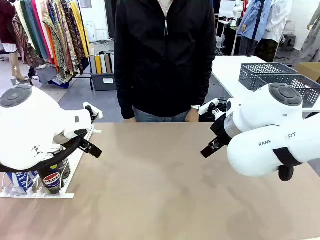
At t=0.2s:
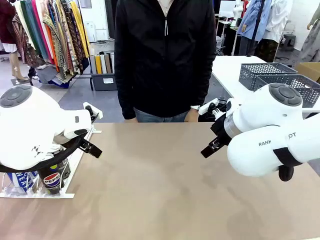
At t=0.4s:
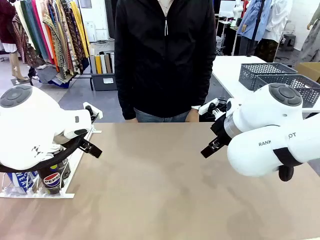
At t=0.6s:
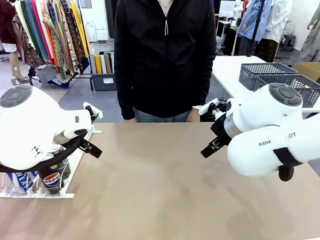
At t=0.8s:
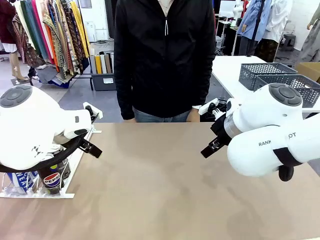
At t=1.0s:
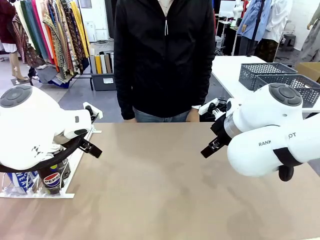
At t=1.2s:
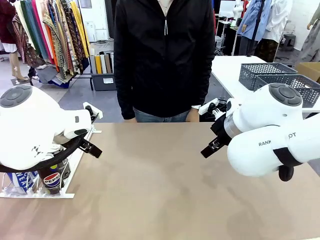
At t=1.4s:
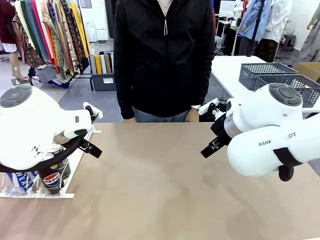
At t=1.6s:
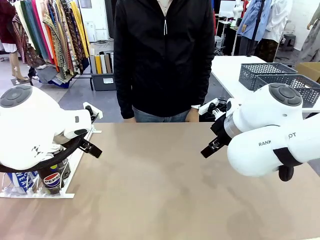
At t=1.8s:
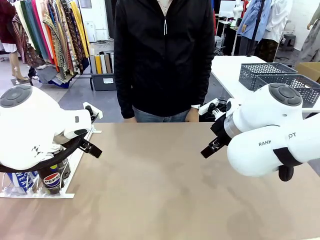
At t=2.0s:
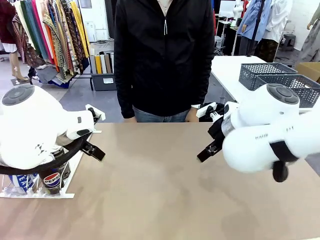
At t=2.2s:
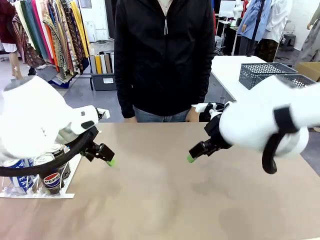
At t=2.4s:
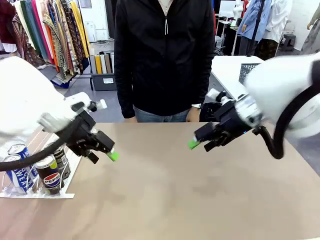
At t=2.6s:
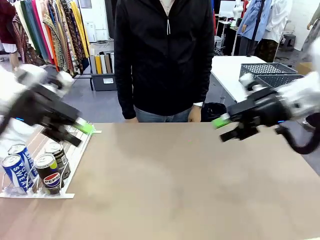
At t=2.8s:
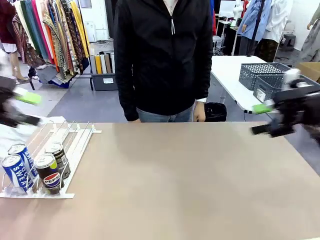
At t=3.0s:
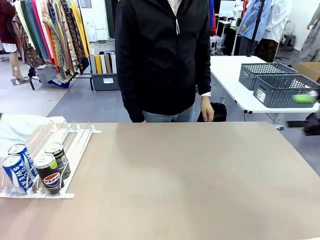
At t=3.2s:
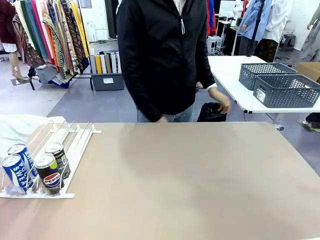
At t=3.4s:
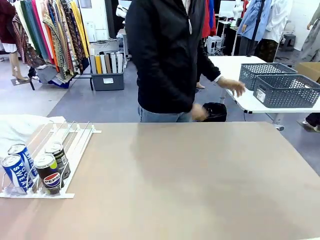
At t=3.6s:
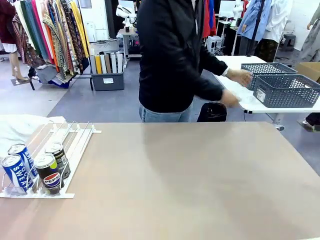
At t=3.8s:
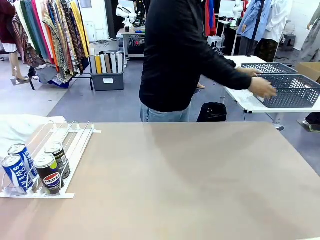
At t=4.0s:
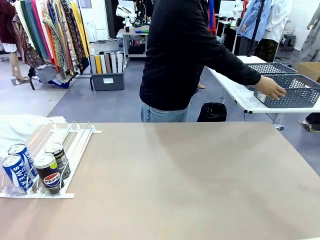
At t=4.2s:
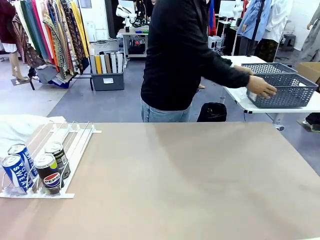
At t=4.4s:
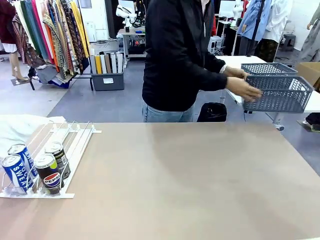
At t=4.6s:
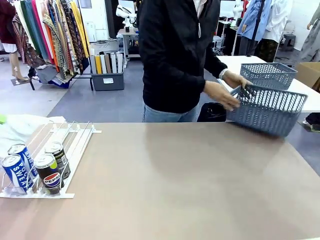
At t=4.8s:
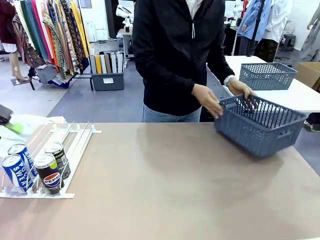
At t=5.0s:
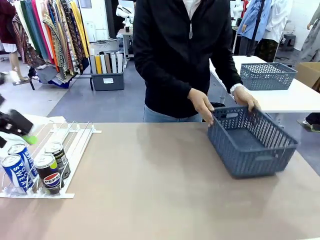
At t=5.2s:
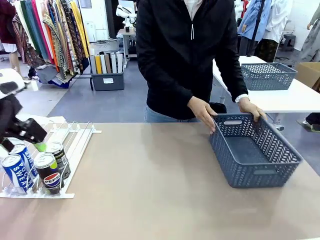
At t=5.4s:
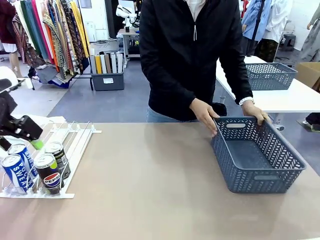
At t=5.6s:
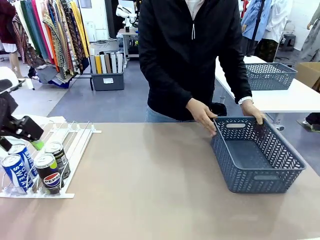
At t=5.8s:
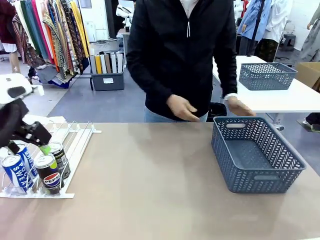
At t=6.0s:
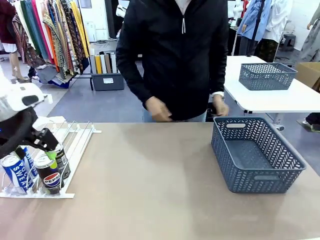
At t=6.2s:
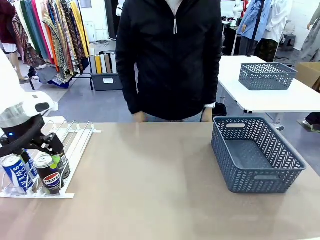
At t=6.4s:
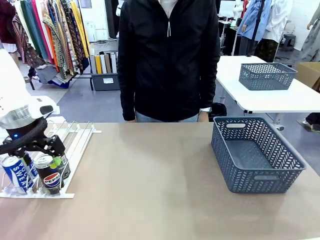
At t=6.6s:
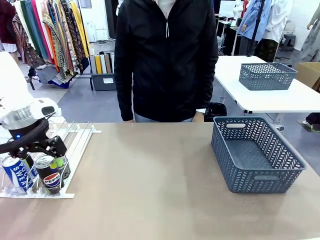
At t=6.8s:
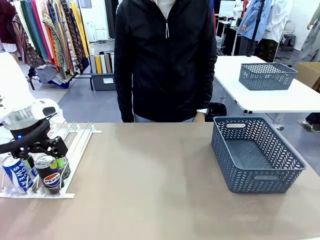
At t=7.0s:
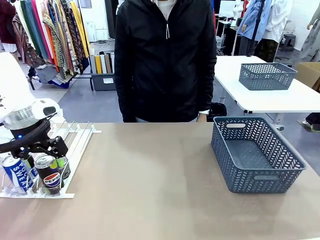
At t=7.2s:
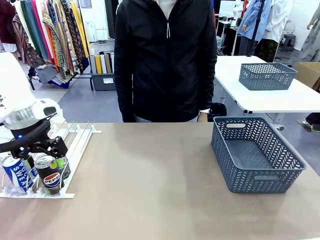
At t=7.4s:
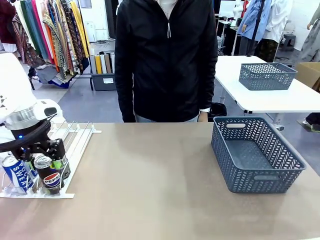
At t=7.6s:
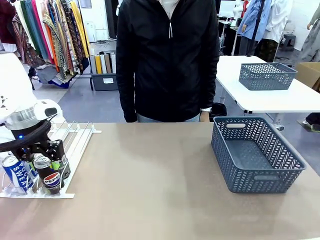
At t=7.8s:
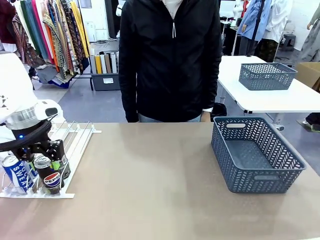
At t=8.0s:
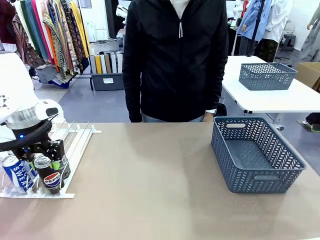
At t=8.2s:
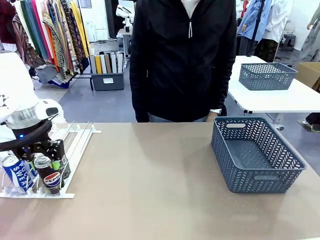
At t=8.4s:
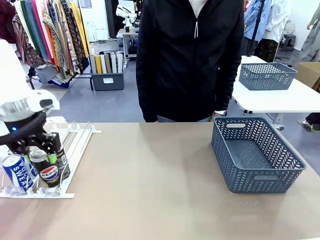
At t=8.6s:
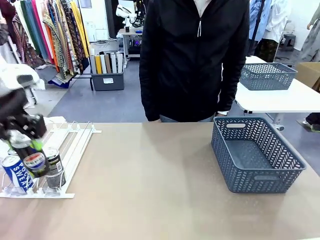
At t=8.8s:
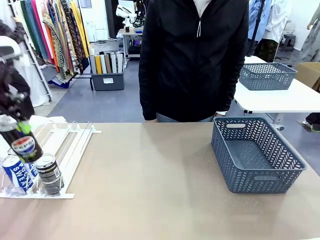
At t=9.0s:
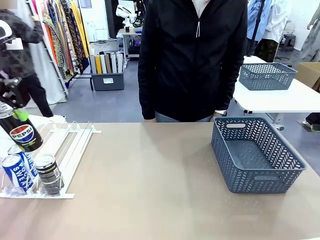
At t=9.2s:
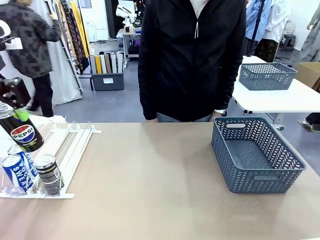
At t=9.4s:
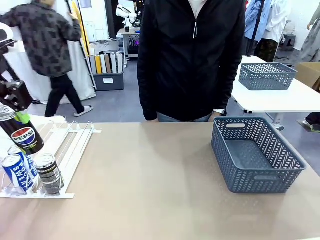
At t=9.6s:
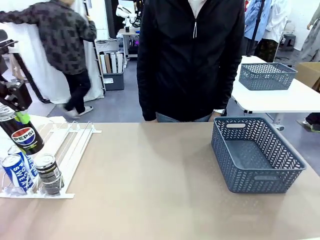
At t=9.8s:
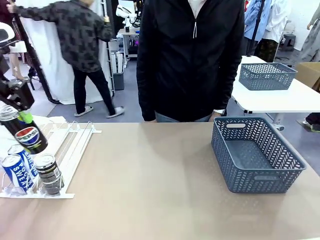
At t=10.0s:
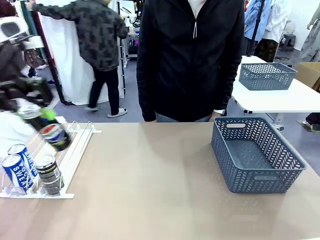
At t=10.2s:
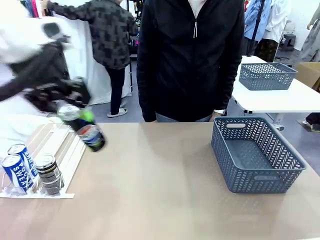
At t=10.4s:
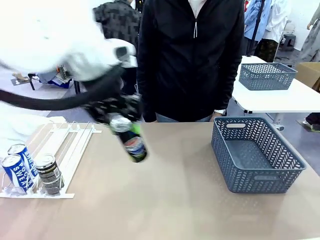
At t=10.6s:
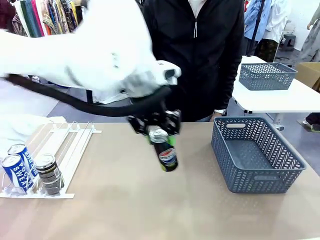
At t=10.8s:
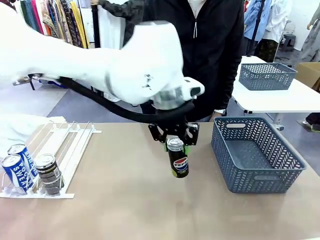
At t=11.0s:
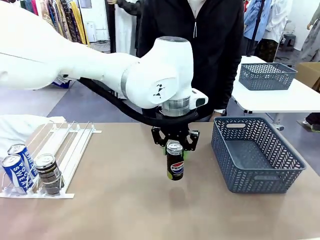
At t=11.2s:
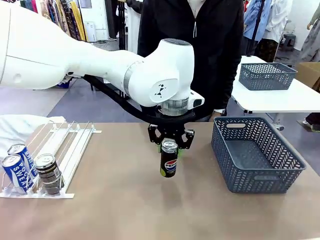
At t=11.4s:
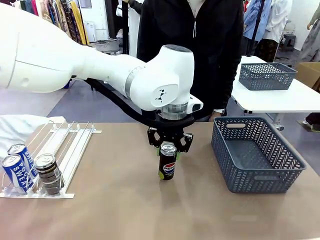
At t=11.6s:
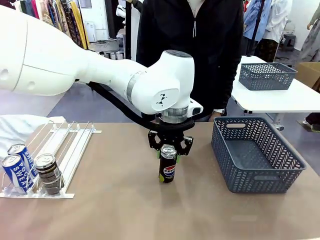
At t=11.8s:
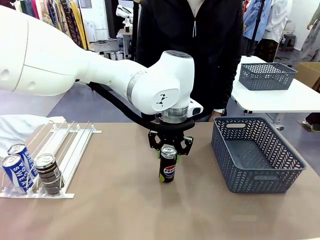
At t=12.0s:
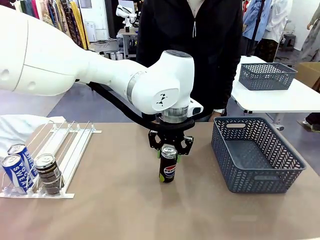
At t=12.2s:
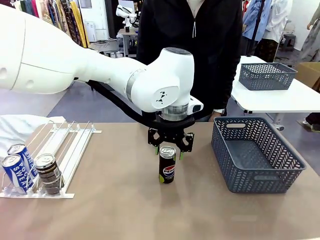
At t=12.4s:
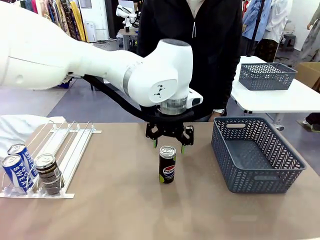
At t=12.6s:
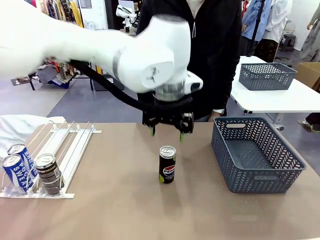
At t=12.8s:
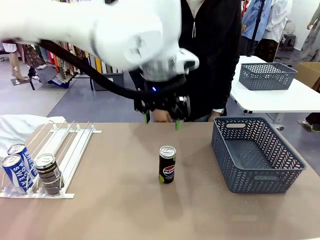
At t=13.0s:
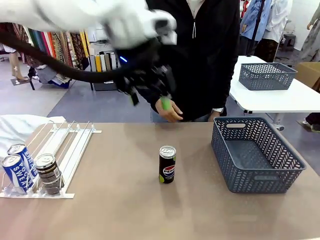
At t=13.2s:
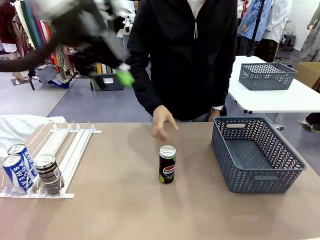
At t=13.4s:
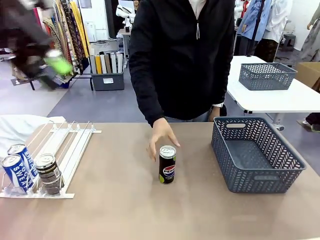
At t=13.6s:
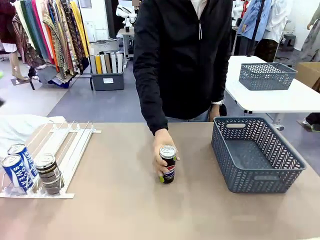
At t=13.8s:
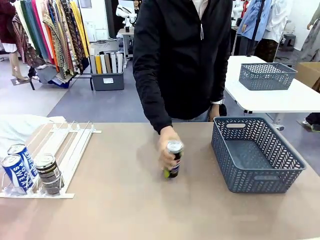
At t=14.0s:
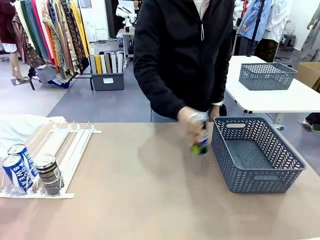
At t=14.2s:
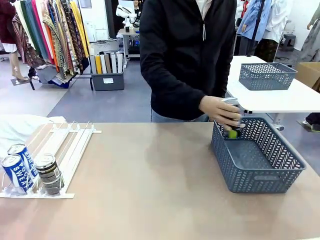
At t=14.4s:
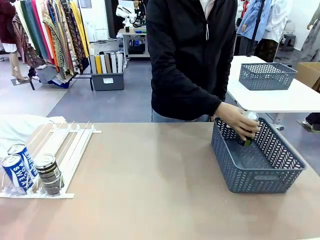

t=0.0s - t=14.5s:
Task: Retrieve and store the cans from the dispenser.
Robot: Pick up one can from the Automatic Can Dispenser and place it in the middle of the table.
Person: Pick up the basket and place it on the left side of the robot table.
